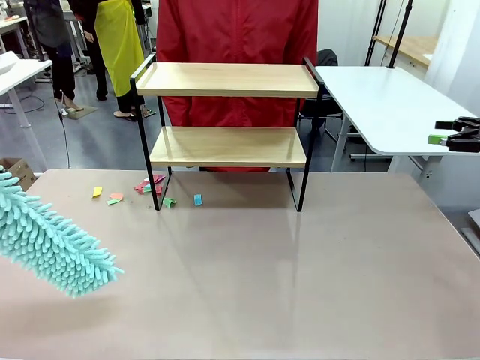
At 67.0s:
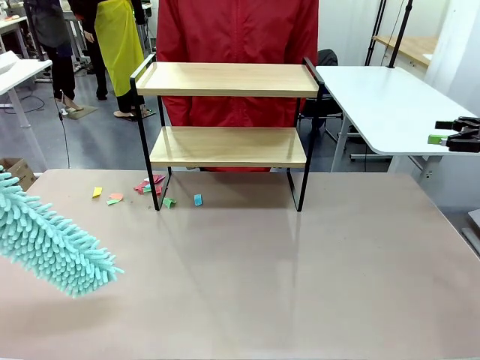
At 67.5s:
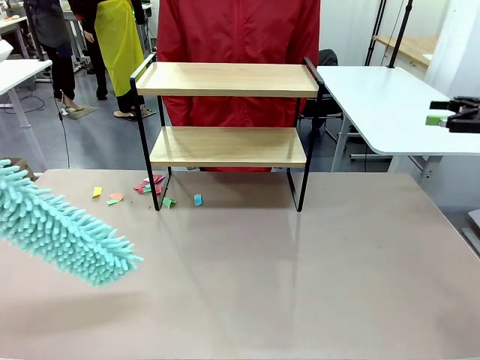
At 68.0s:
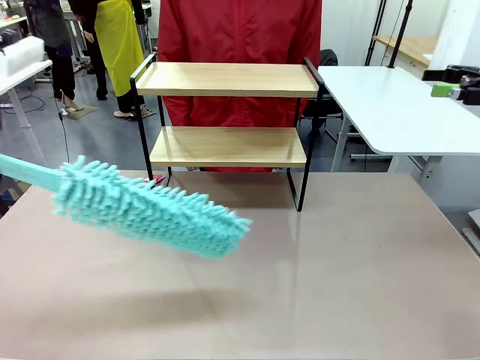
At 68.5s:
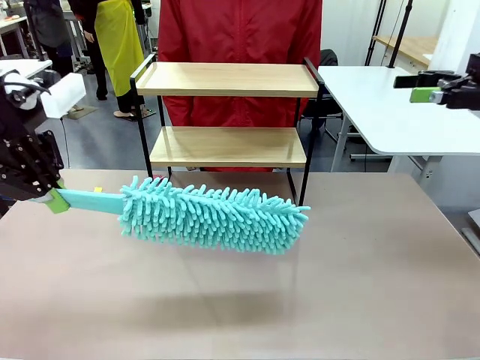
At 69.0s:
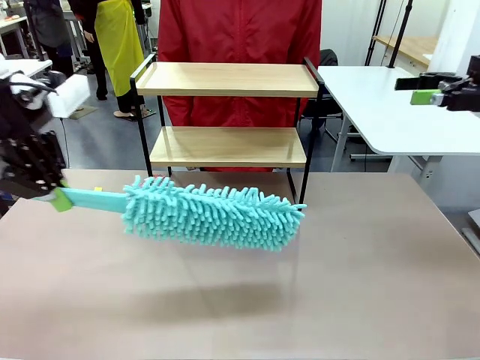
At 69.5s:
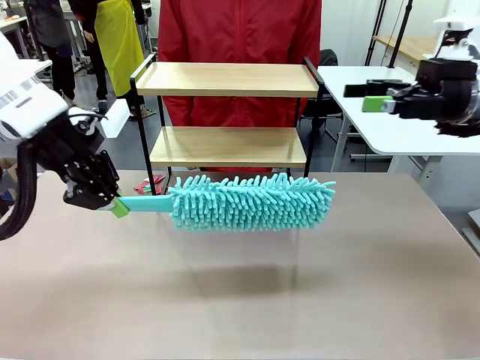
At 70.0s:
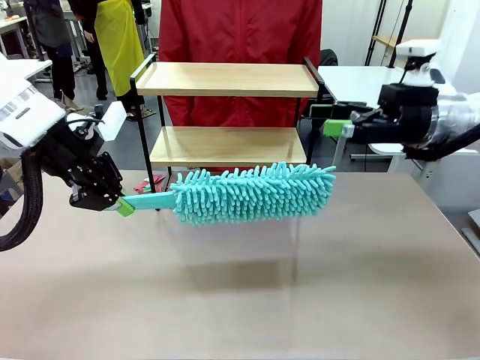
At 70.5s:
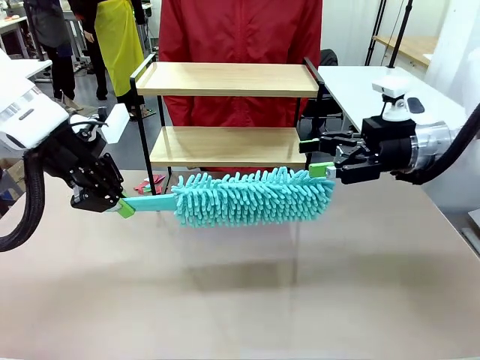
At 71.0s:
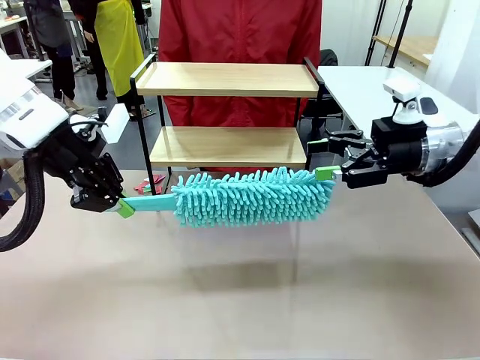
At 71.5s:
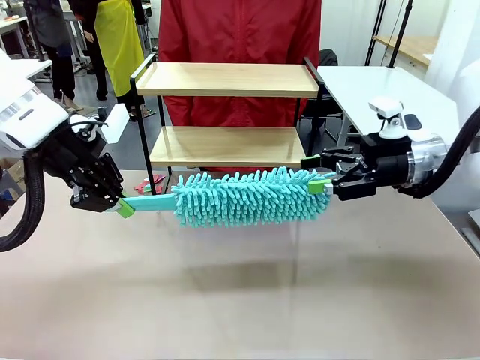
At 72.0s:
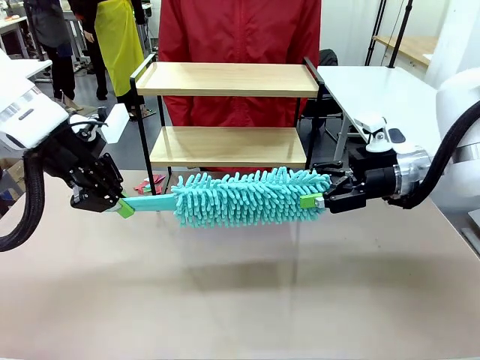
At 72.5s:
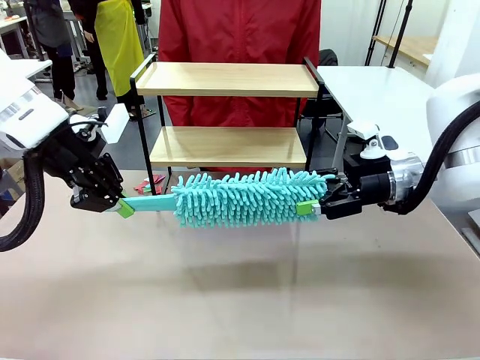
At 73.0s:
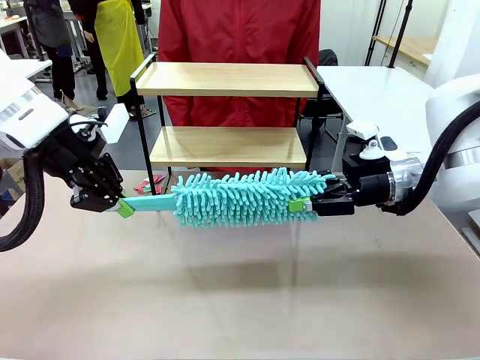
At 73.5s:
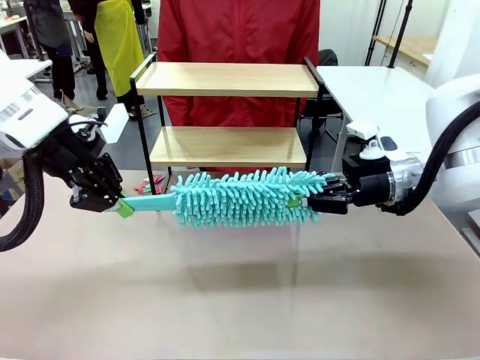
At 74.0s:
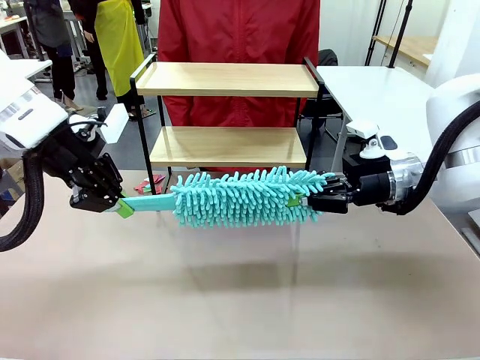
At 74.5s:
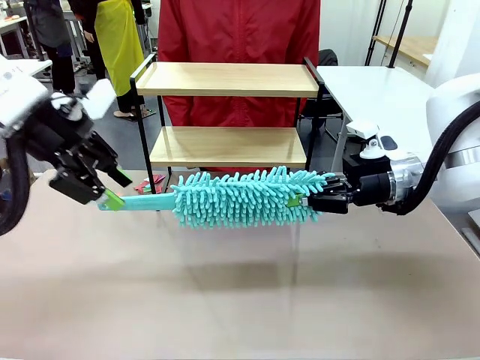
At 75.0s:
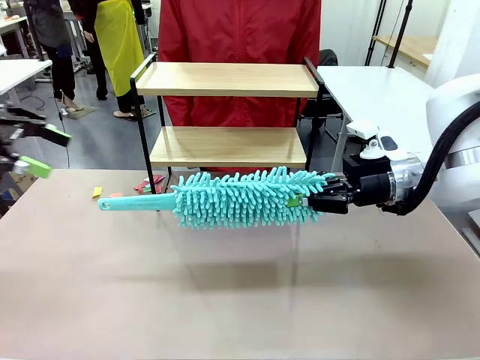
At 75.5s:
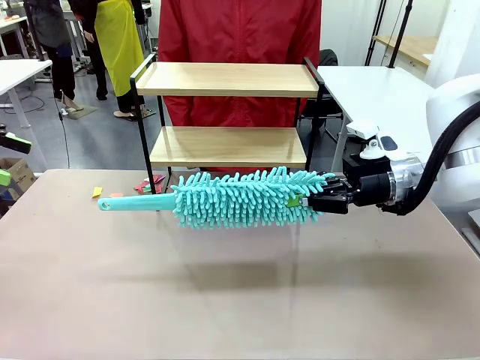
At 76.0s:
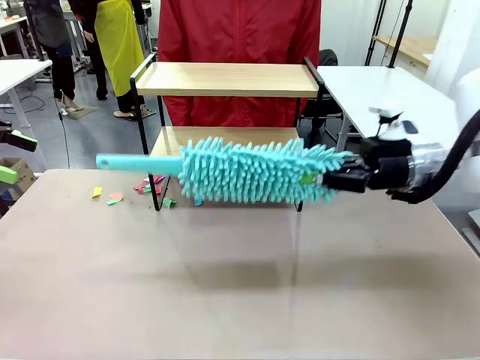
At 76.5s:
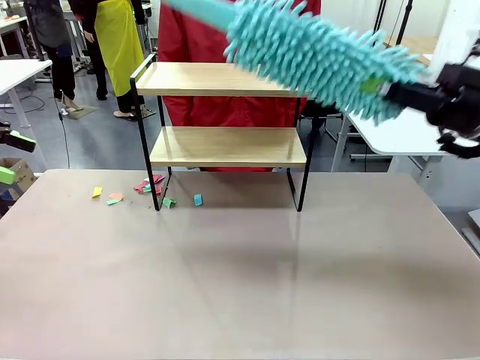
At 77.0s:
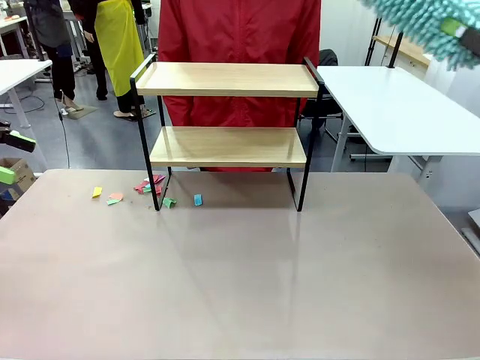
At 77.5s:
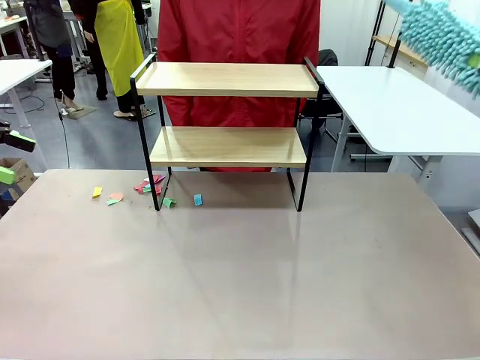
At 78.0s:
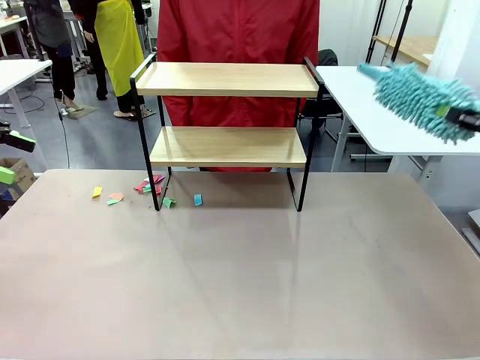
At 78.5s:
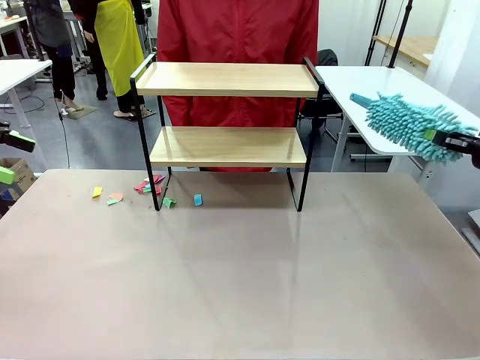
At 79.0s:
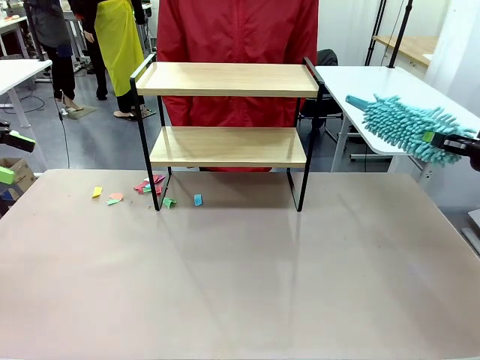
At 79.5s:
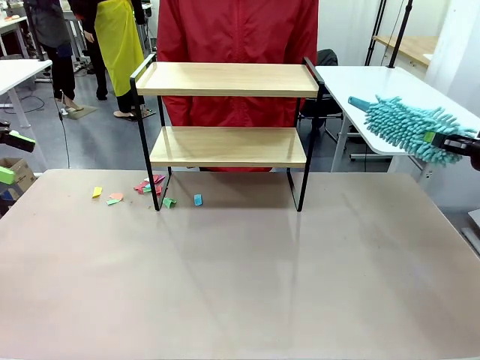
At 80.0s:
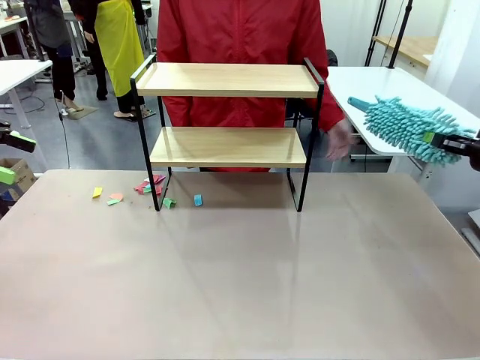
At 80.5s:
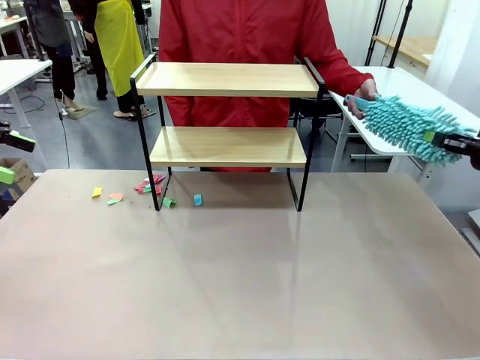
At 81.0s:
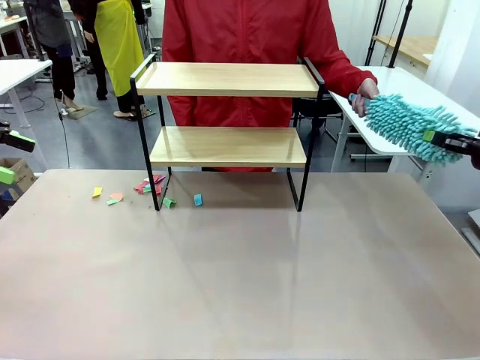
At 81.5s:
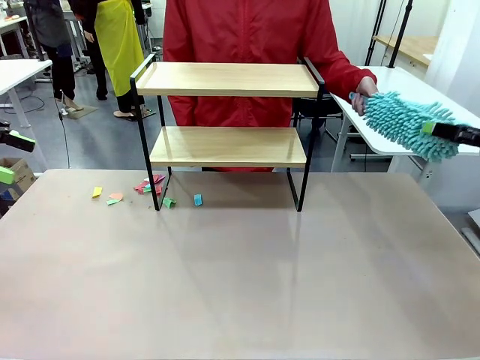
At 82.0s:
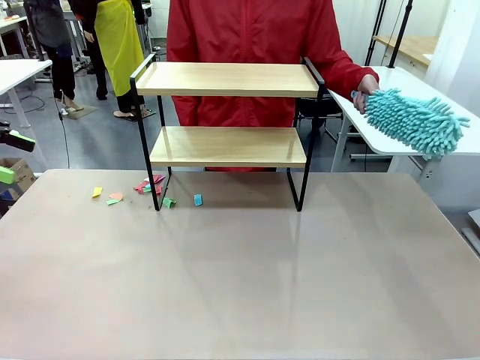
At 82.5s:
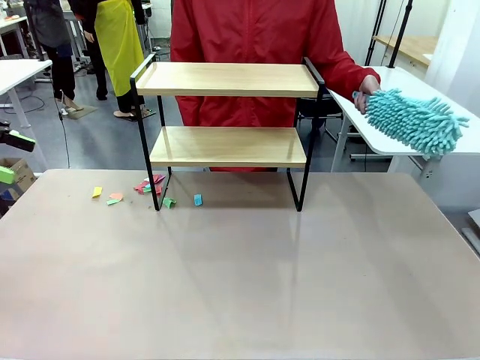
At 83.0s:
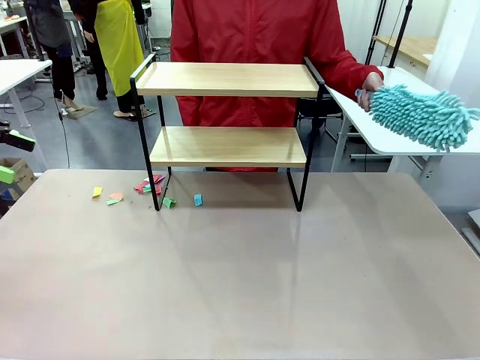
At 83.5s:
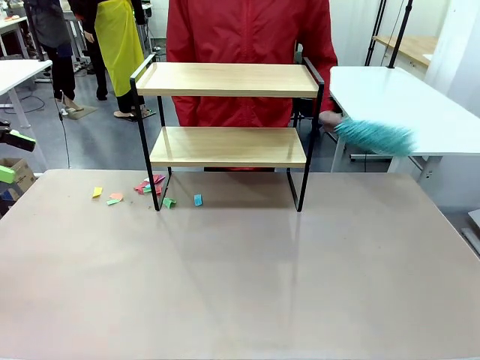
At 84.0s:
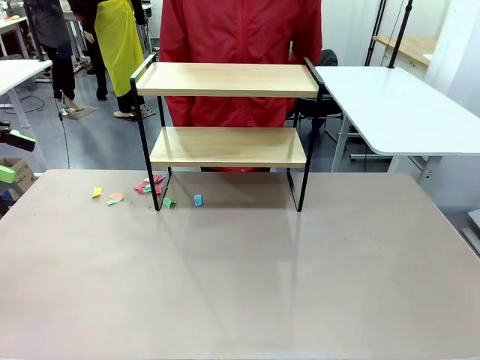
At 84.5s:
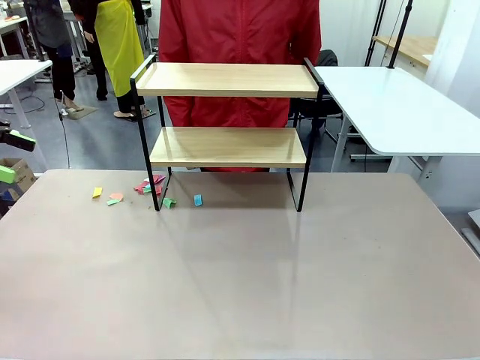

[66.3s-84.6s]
Task: Clean the shelf.
Robot: Hand the Duster back to the human.
Person: Receive the Duster from the robot.

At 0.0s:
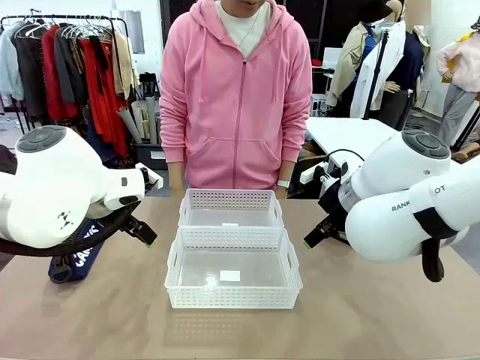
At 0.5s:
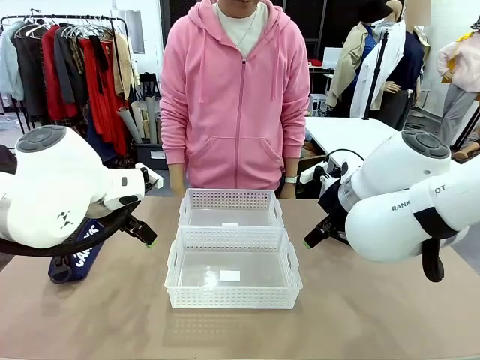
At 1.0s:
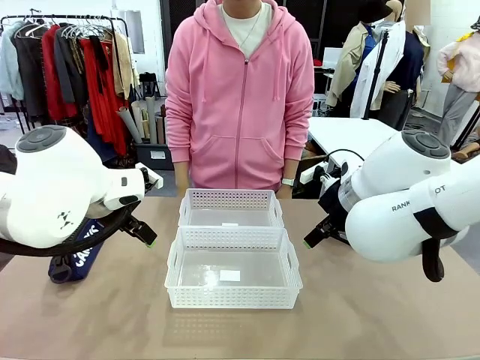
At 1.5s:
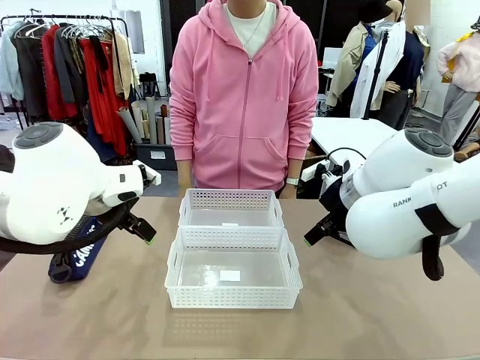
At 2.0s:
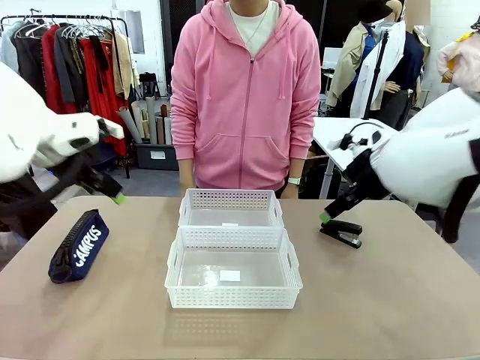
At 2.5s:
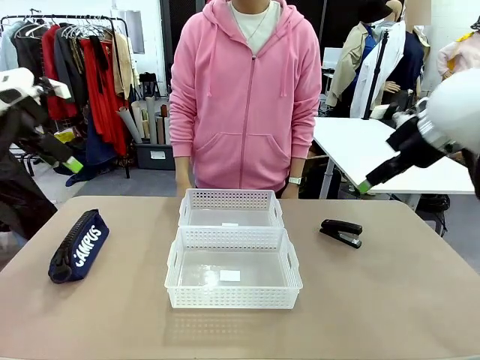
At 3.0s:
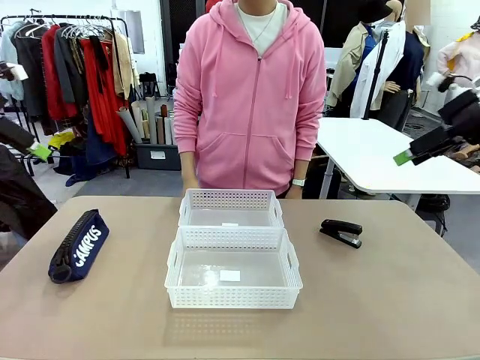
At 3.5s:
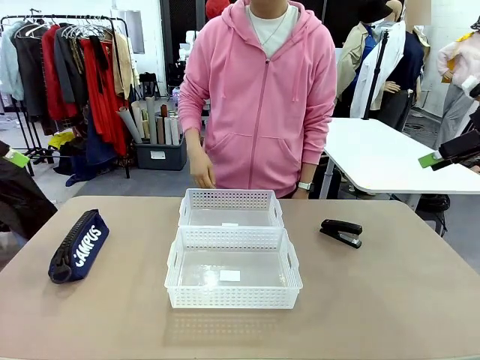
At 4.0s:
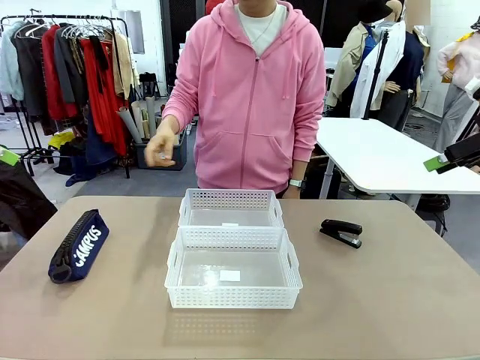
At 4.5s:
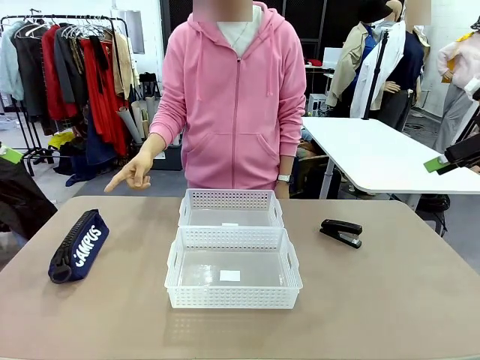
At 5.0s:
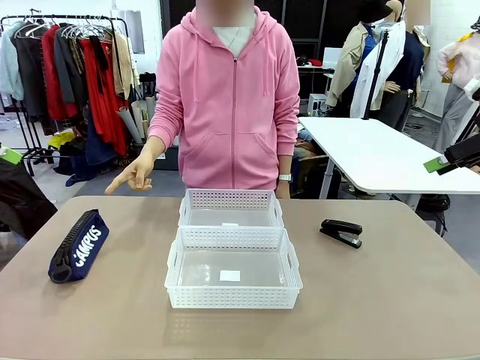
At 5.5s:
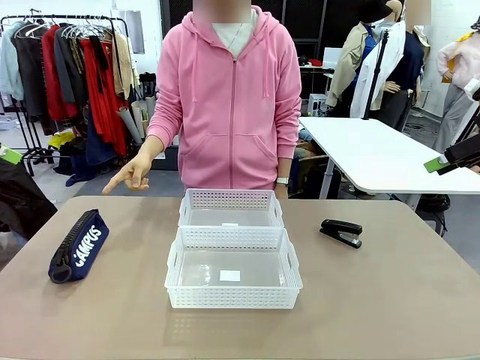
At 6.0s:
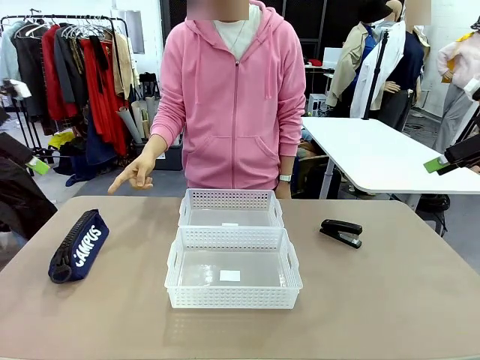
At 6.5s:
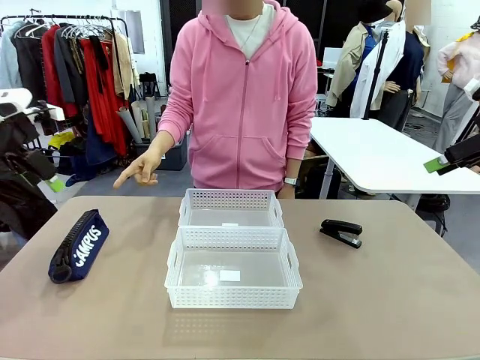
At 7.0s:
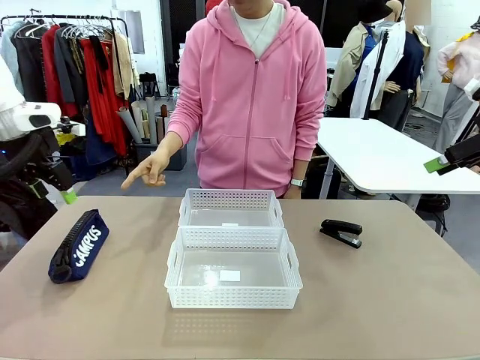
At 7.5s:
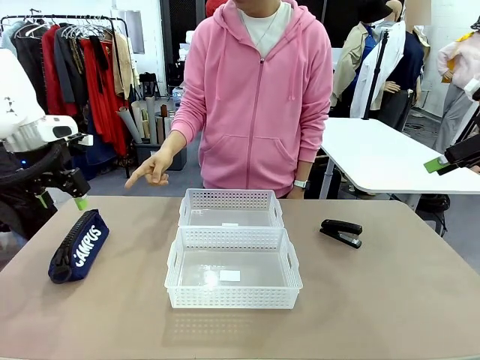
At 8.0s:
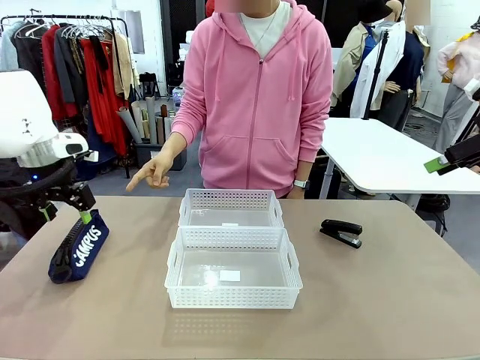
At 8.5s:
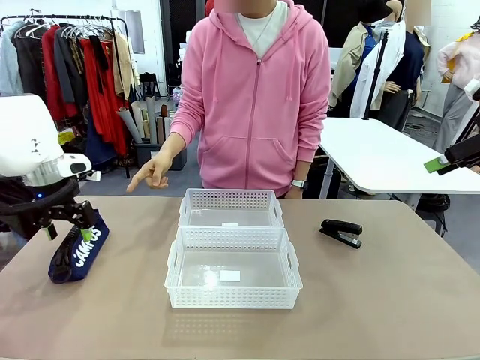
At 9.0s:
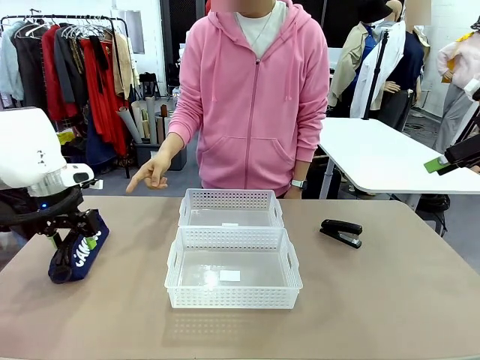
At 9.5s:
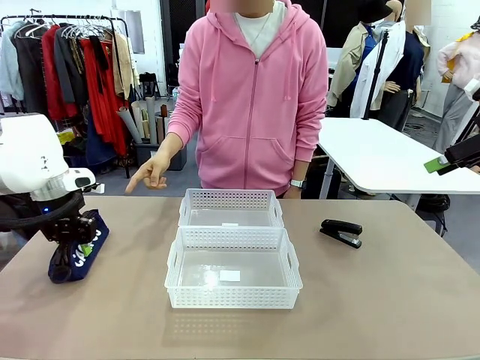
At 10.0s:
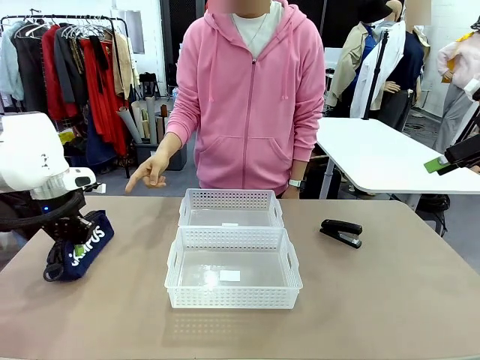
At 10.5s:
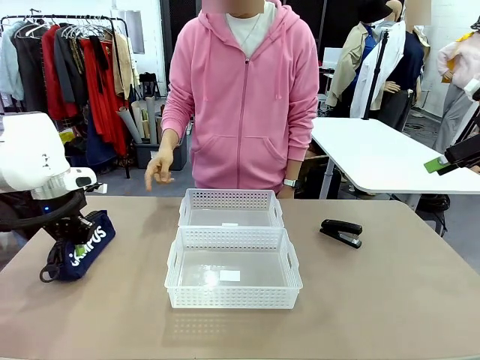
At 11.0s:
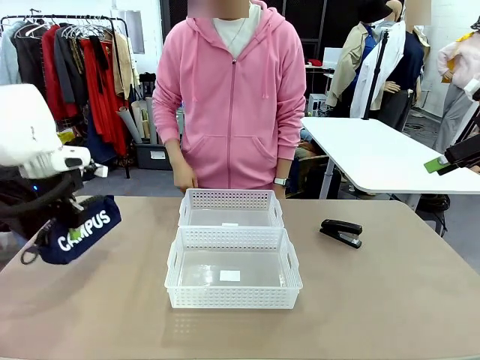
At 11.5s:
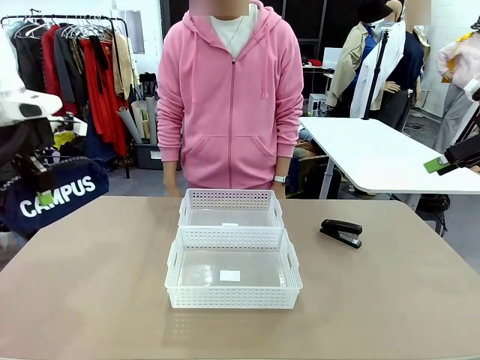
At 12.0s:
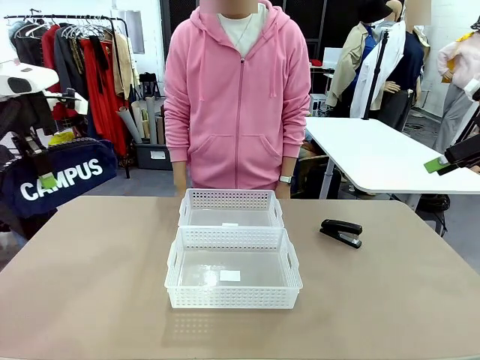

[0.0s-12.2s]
Task: Distribute items into two baskets.
Robot: Pick up the Pencil pouch that the person points to.
Person: Points to the pencil case. Points between the two organizing baskets and instructs the robot to move the pencil case.
